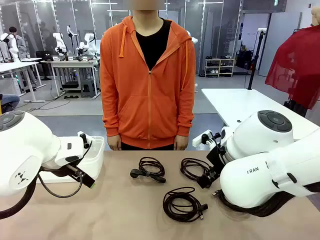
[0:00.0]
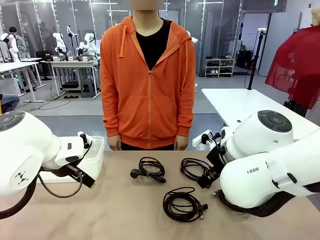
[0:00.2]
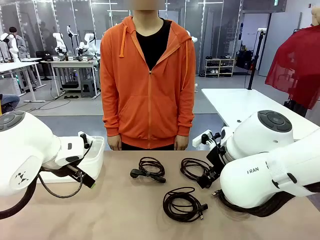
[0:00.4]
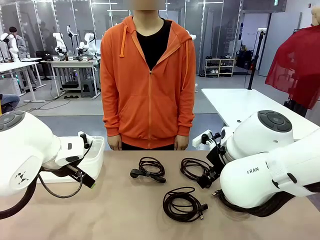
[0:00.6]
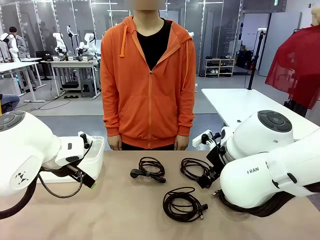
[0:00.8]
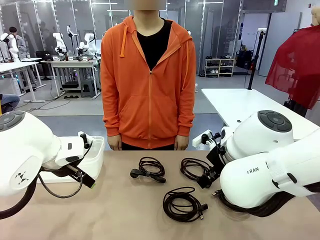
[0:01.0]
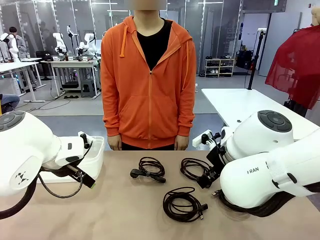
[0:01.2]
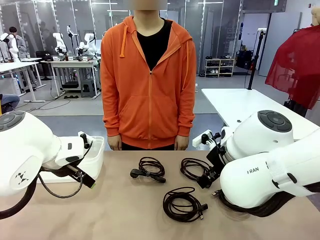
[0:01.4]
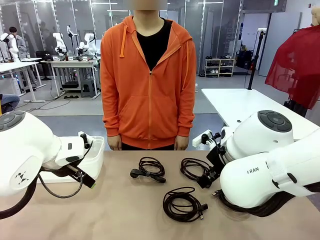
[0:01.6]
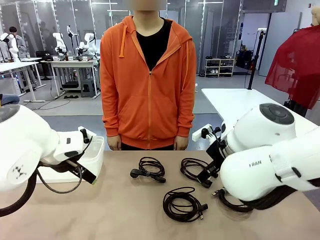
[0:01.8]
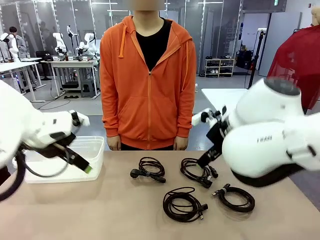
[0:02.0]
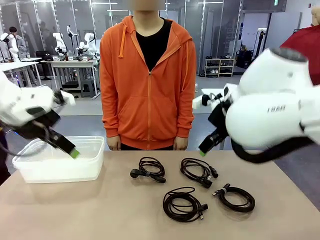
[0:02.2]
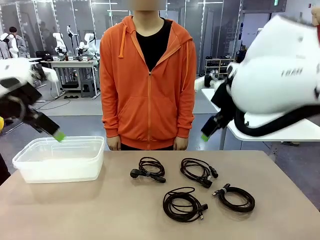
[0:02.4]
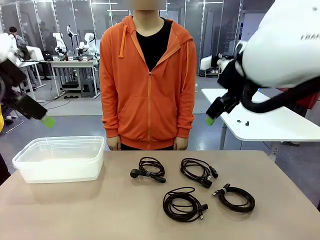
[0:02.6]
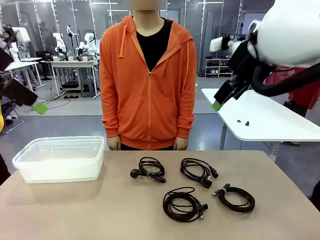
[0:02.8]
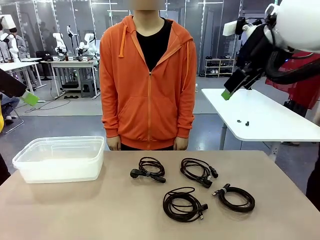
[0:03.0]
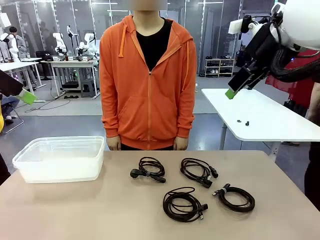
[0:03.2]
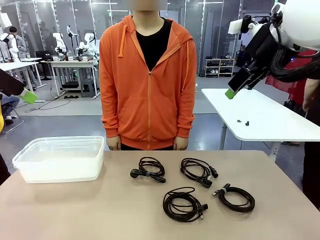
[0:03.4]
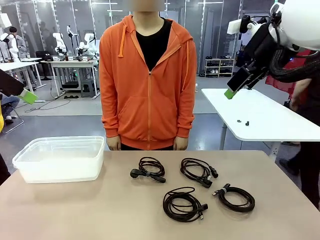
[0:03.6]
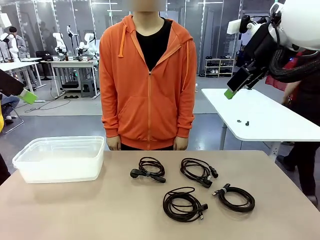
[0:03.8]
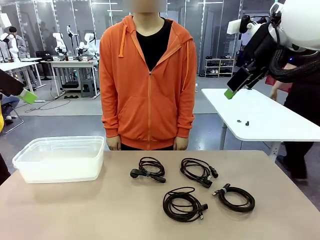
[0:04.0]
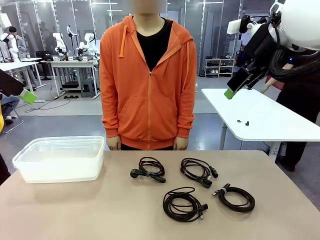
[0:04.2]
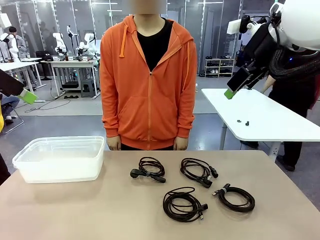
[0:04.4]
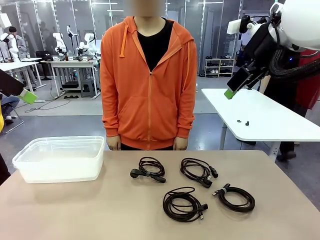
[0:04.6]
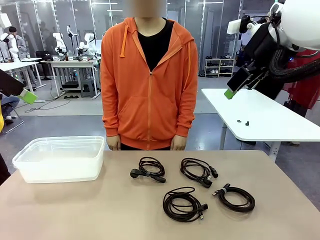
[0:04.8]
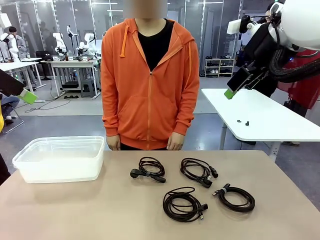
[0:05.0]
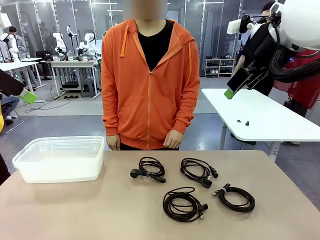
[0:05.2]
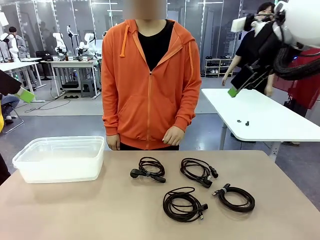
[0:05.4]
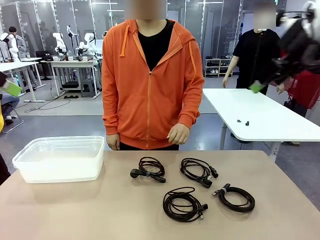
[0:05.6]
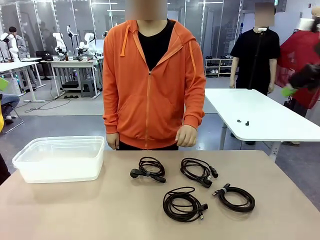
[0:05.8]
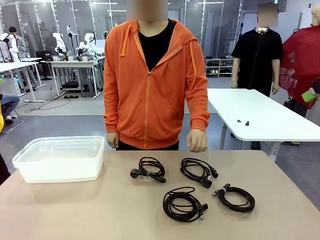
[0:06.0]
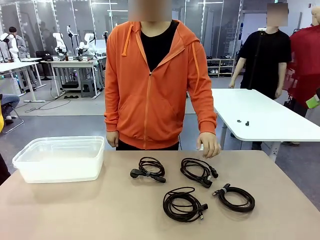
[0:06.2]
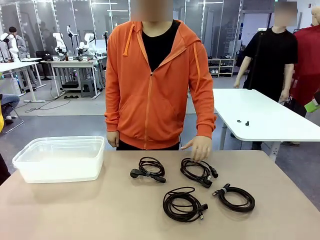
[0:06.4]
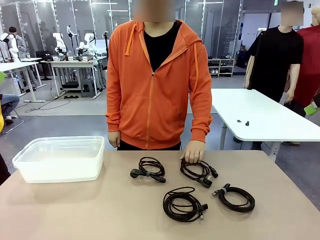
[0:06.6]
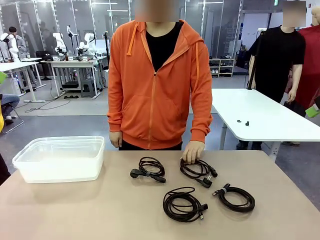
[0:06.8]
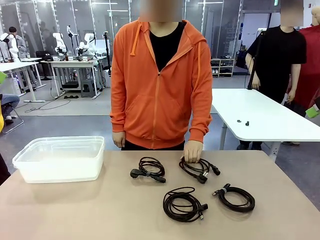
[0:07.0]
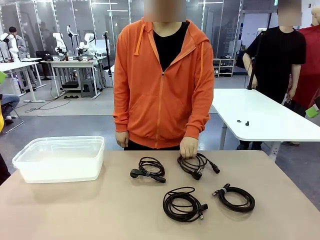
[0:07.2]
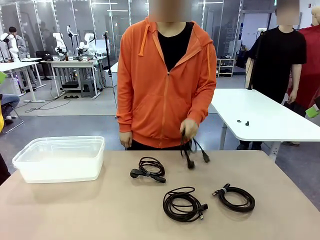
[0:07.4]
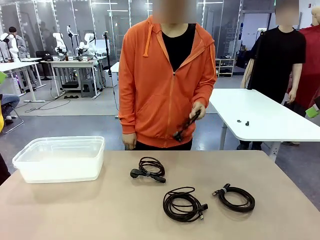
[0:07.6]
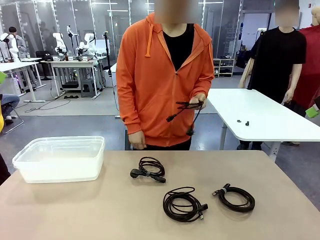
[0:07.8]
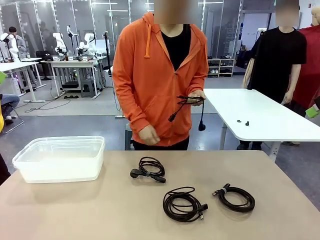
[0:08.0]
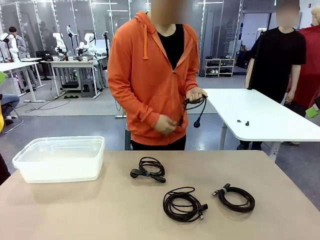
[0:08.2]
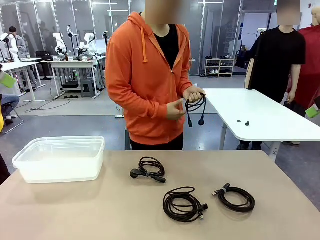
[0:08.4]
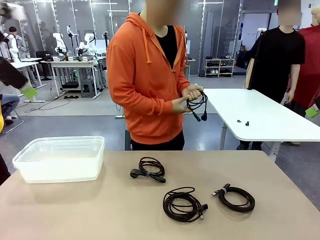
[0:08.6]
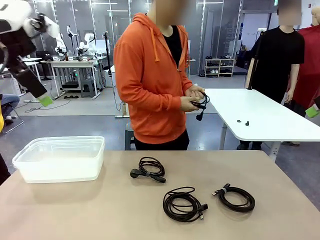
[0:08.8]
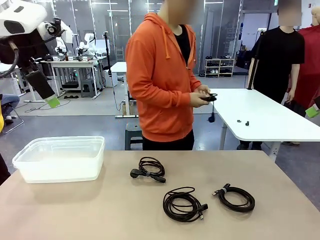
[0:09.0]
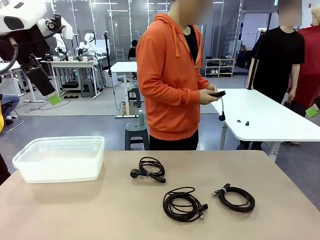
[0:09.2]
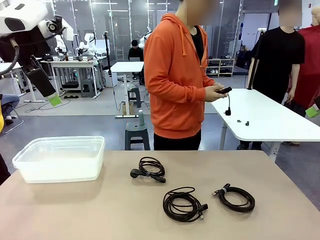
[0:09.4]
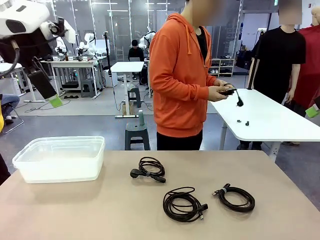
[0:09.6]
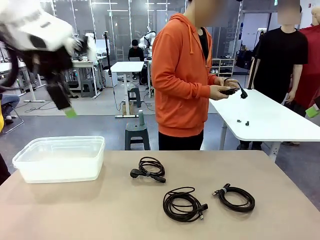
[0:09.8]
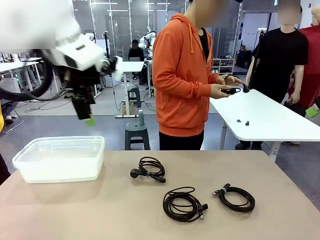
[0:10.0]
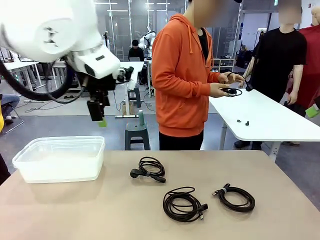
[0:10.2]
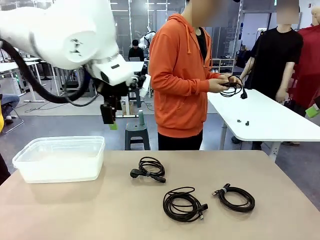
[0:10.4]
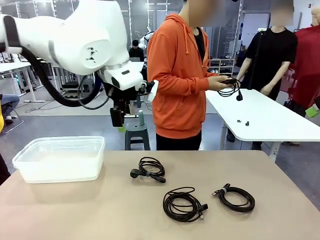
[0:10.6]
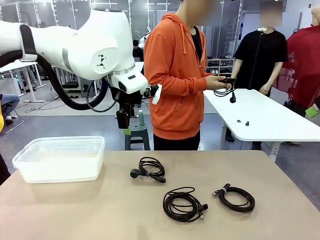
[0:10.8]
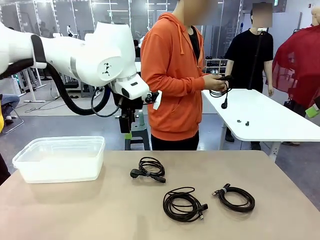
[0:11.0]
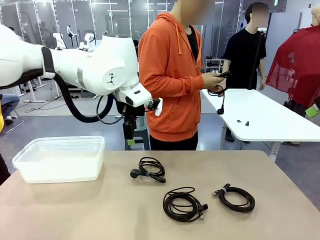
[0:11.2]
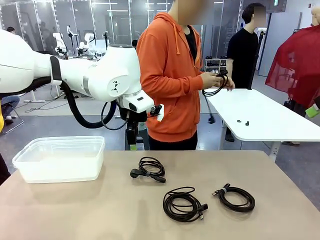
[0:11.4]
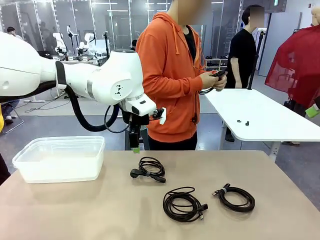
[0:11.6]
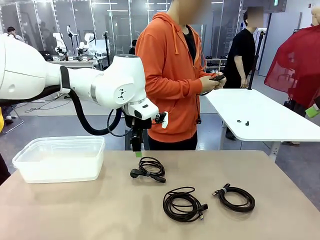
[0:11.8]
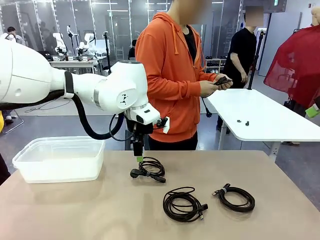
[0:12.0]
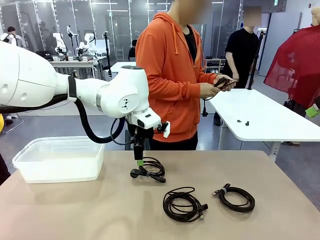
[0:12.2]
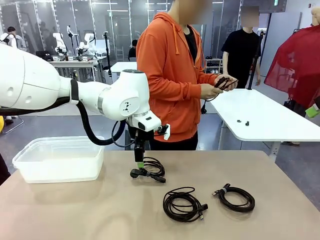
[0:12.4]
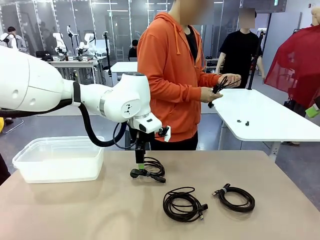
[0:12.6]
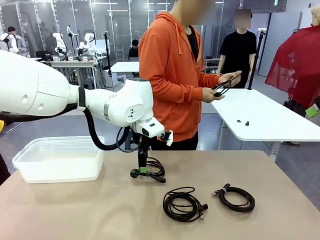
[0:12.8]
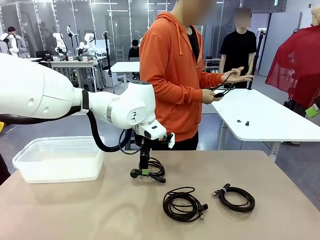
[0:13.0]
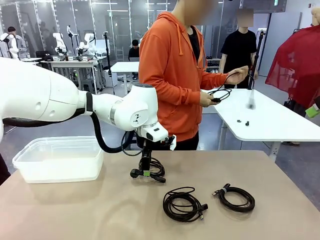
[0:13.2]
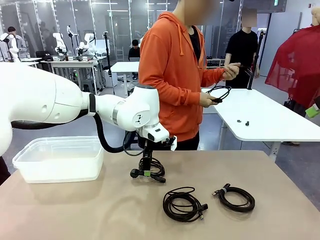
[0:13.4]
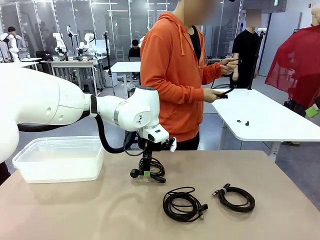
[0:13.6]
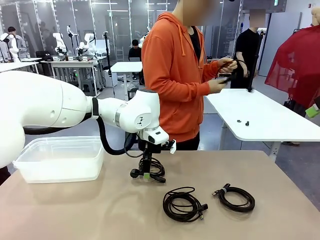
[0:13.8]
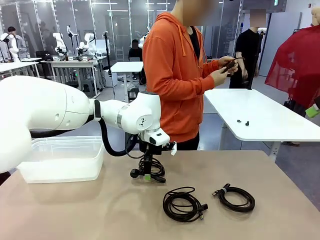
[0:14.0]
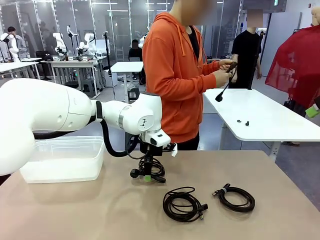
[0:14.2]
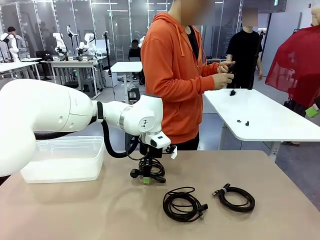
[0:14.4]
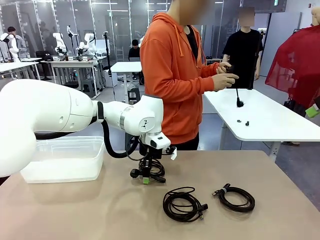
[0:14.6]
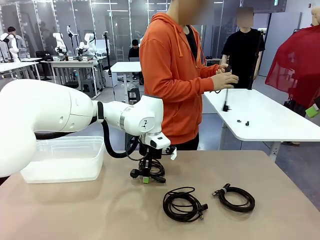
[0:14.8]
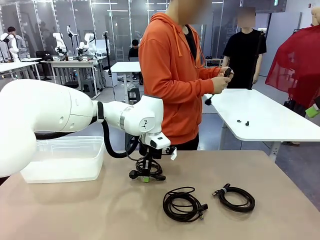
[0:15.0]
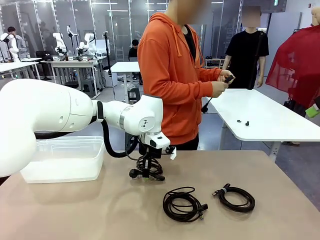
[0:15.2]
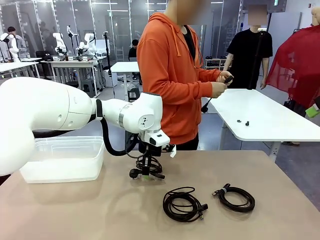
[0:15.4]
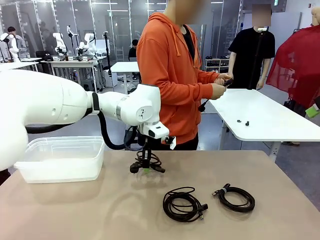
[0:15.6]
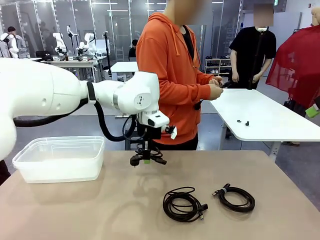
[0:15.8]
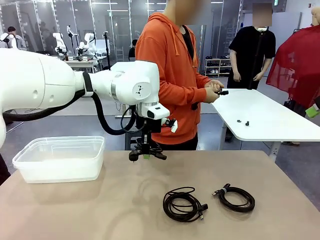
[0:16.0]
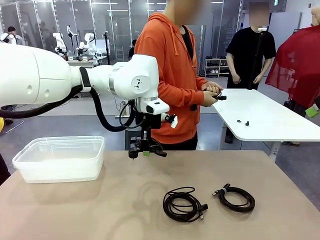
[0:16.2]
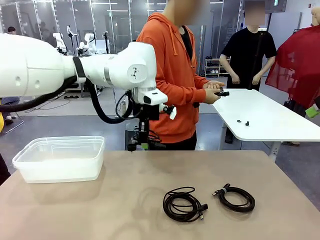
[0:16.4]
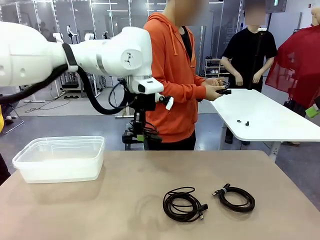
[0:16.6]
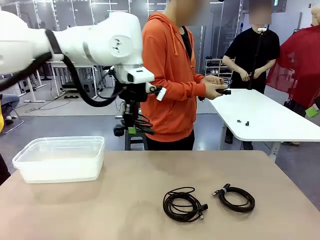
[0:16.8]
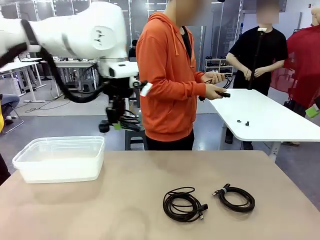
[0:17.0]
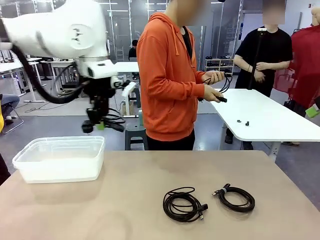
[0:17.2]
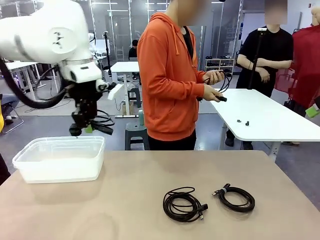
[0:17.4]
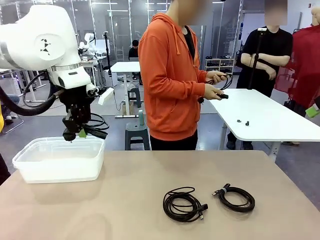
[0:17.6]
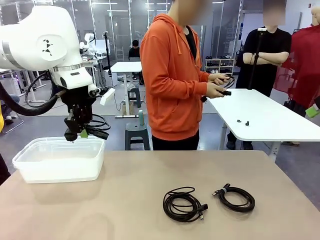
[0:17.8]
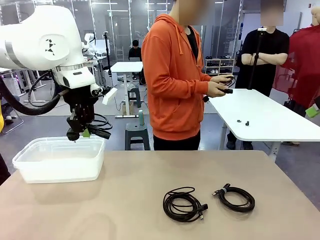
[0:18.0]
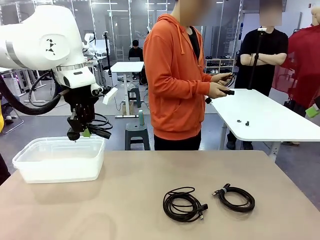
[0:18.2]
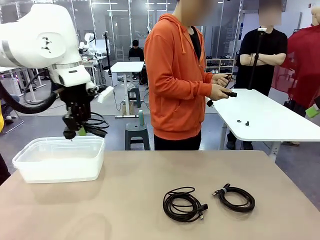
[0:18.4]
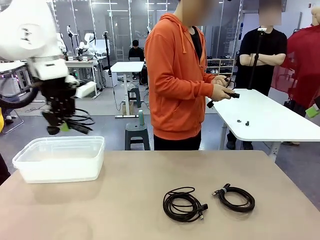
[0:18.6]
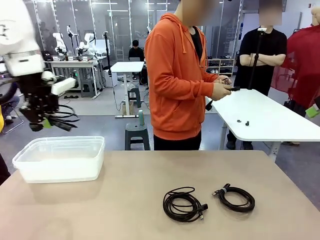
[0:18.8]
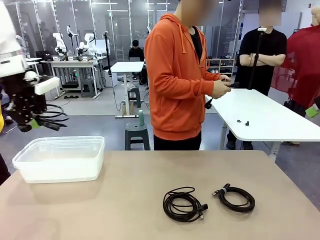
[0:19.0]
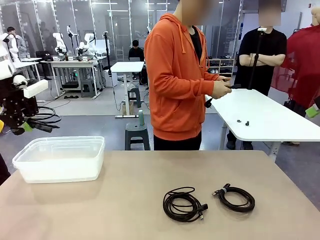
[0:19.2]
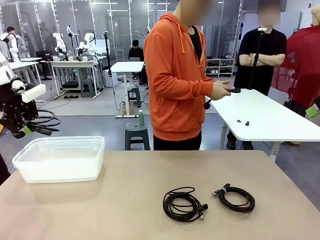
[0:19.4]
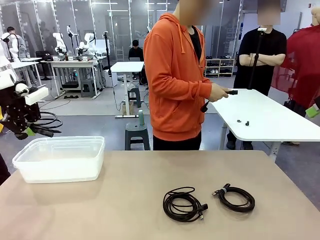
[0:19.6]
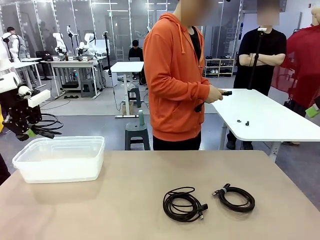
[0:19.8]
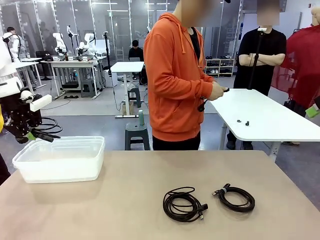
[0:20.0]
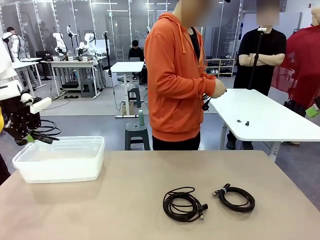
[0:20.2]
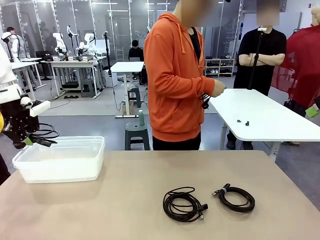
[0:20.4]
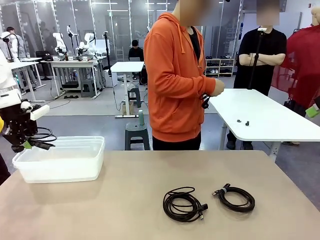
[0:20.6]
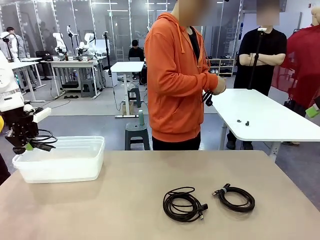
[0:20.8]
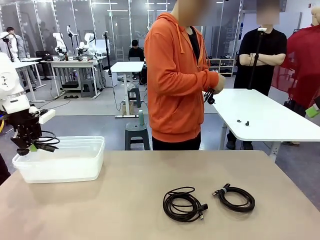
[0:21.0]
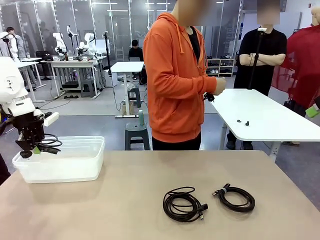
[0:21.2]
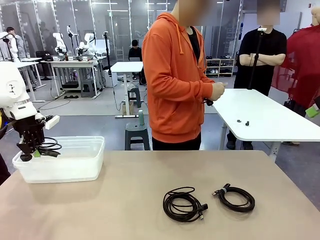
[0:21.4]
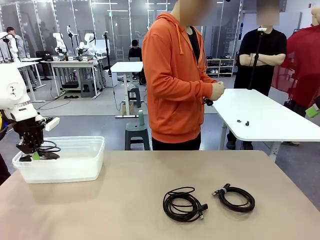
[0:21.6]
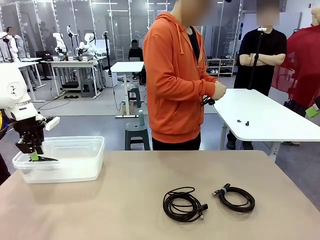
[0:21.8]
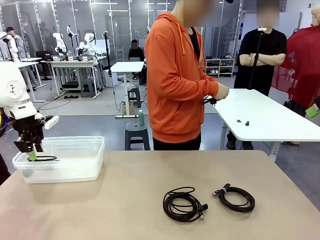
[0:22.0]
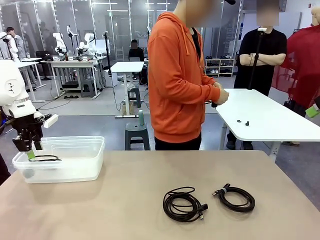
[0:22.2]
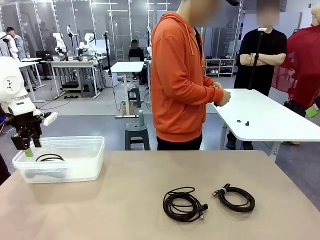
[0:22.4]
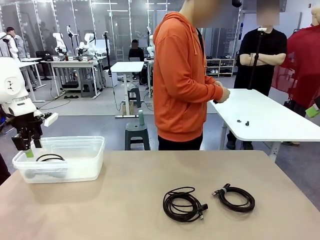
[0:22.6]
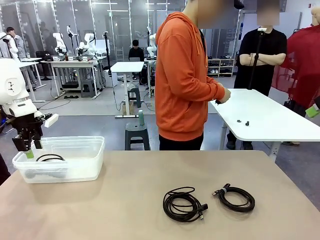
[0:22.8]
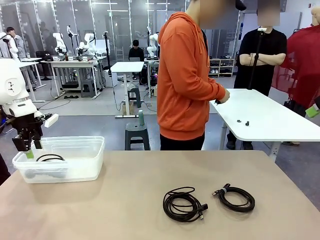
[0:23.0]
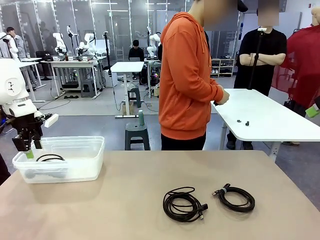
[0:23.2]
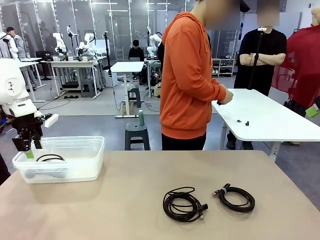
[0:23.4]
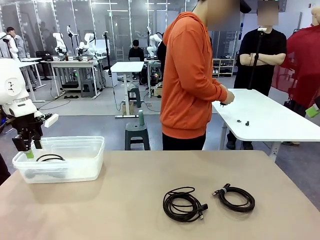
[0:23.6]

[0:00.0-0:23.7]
Task: Organize and store the cables.
Robot: Place the Power Cable into the Organizing box.
Person: Tie one Power Cable with a Reusable Cable Tie.
